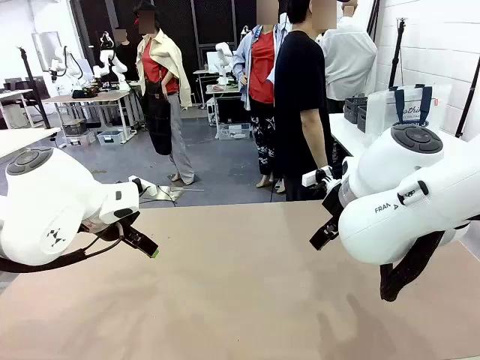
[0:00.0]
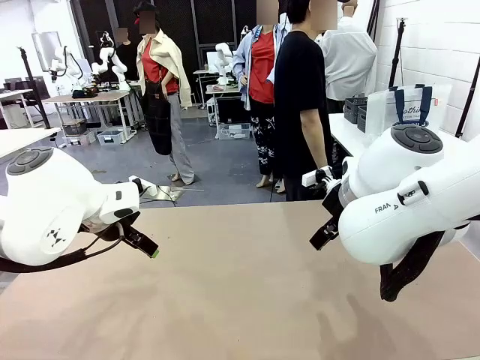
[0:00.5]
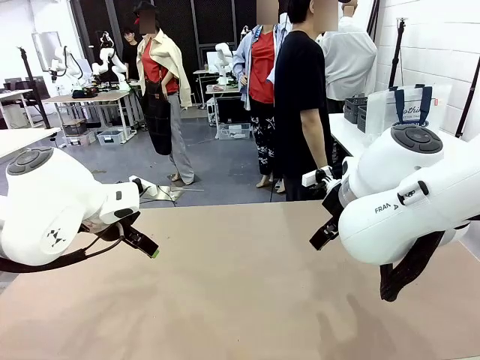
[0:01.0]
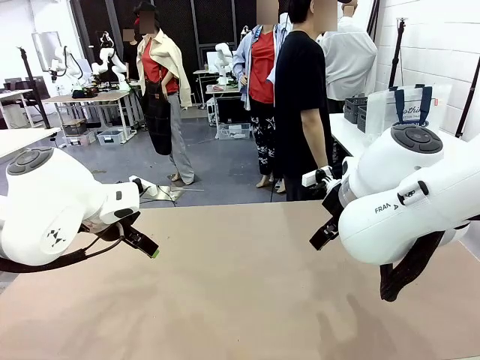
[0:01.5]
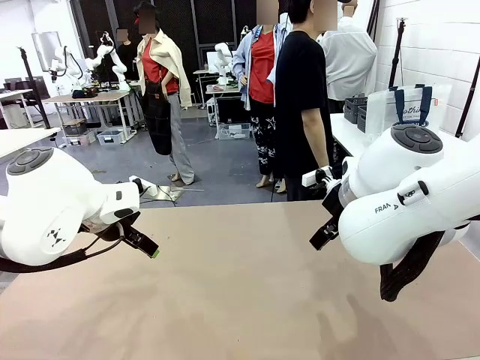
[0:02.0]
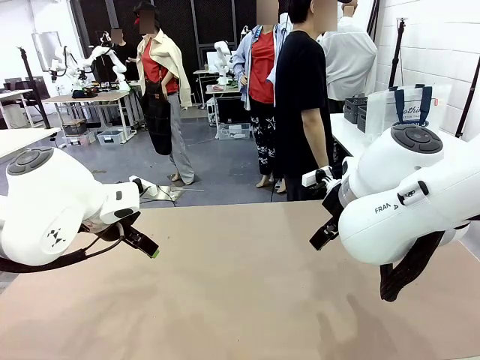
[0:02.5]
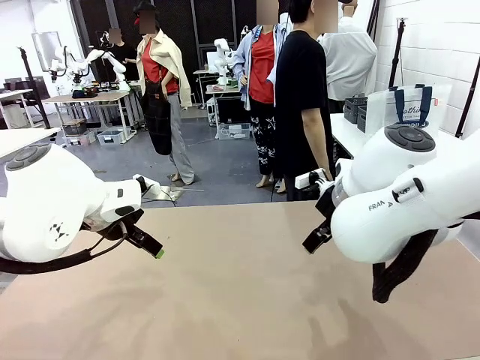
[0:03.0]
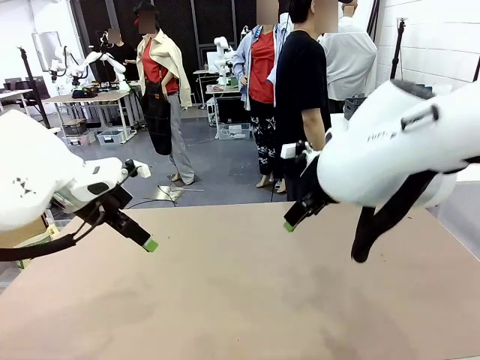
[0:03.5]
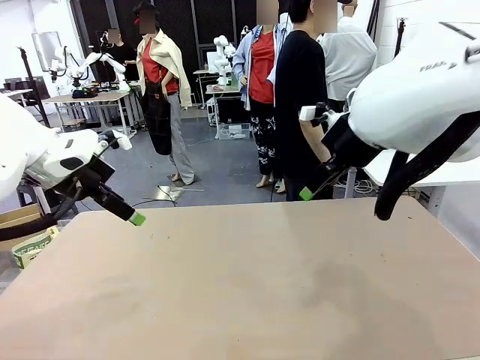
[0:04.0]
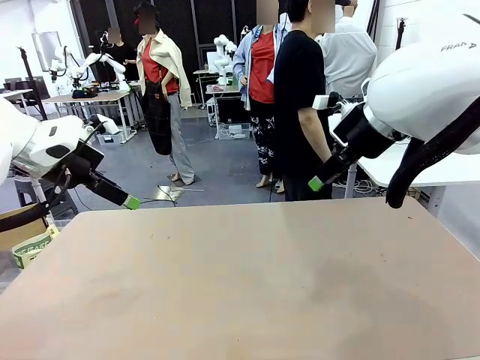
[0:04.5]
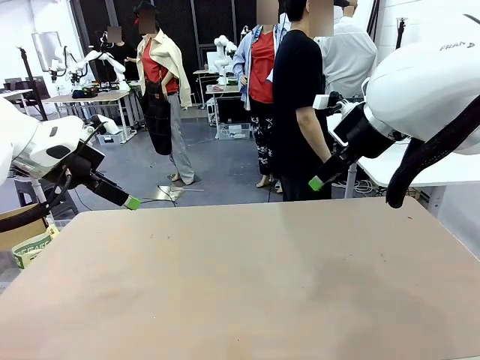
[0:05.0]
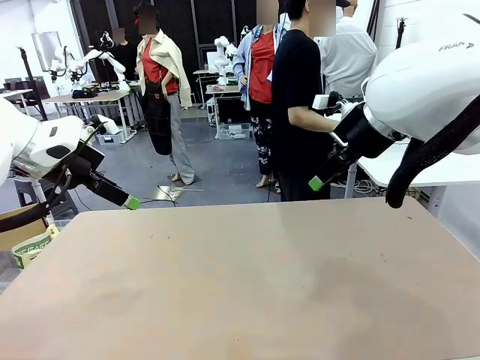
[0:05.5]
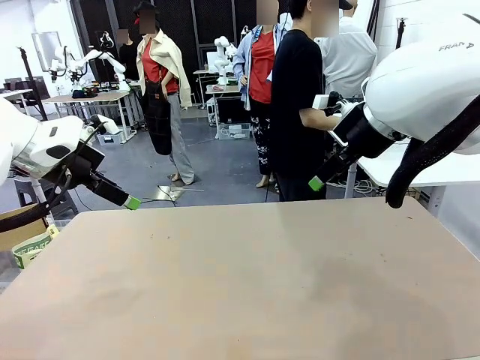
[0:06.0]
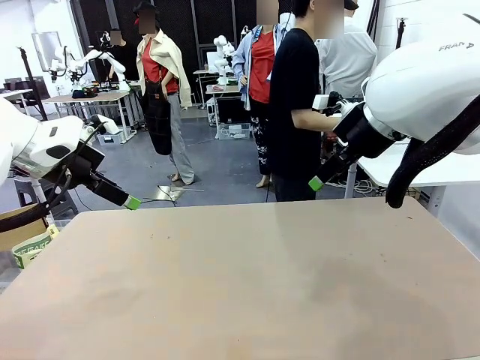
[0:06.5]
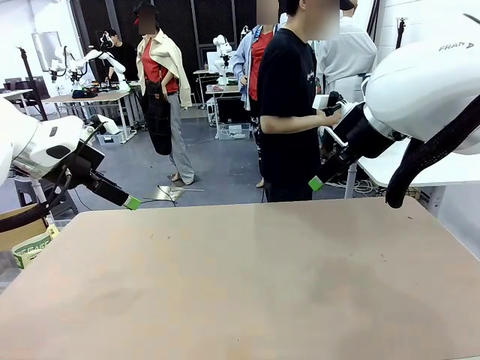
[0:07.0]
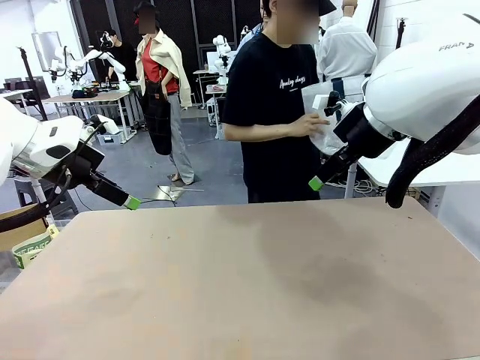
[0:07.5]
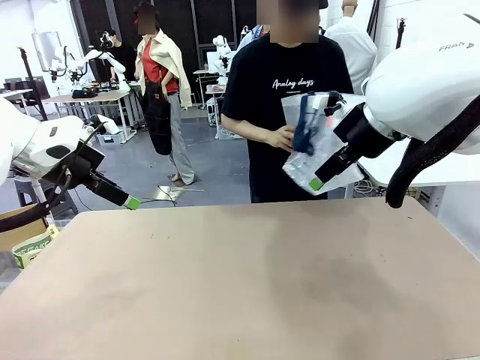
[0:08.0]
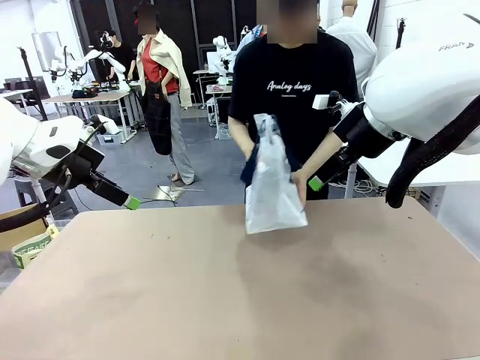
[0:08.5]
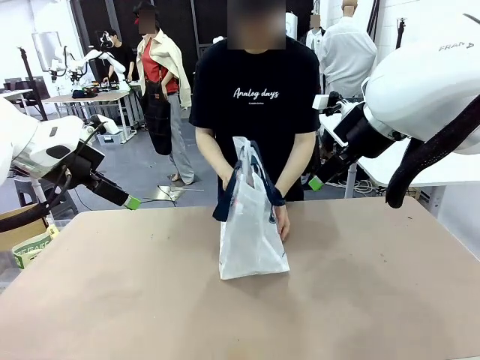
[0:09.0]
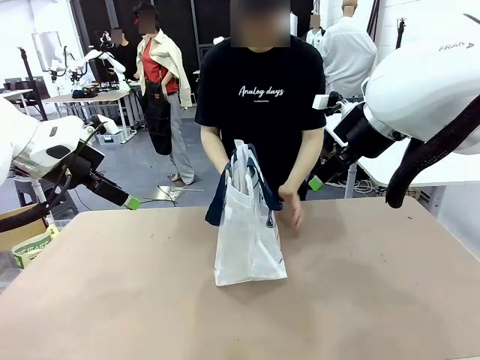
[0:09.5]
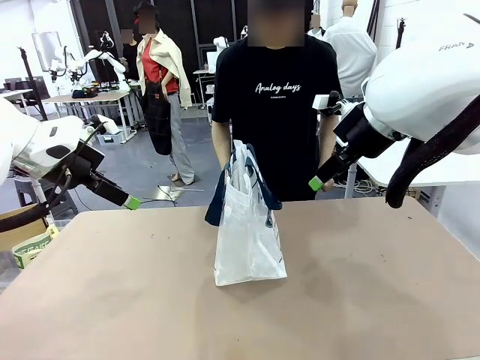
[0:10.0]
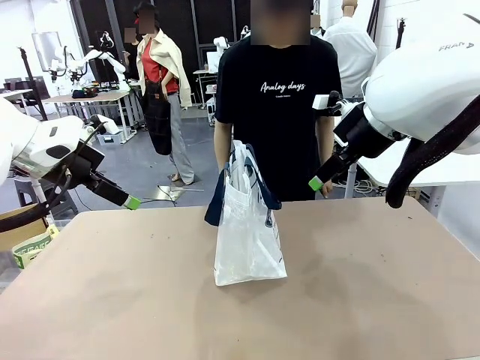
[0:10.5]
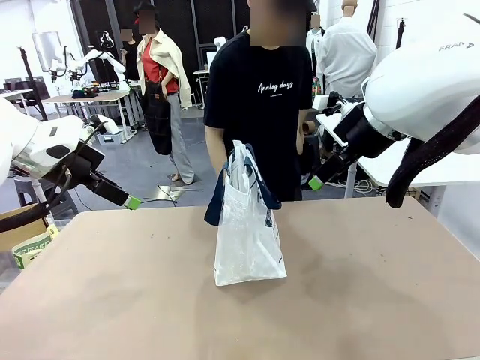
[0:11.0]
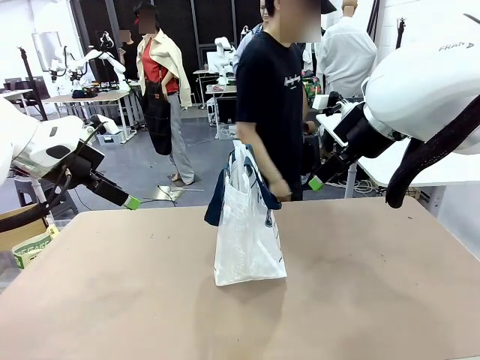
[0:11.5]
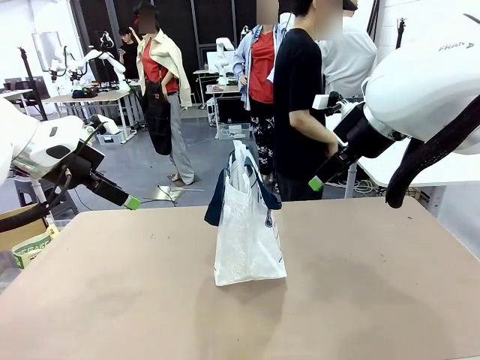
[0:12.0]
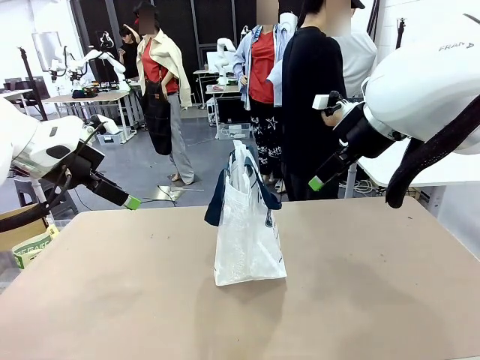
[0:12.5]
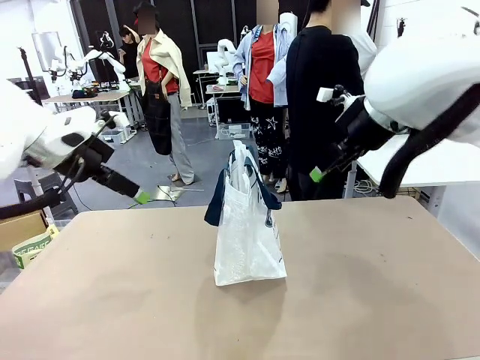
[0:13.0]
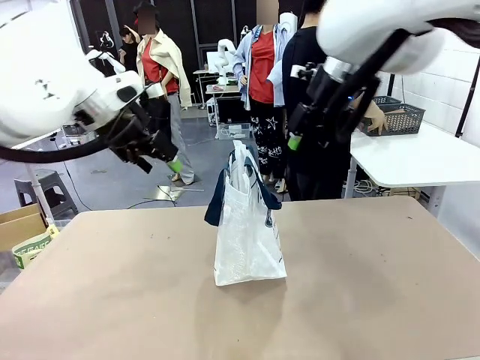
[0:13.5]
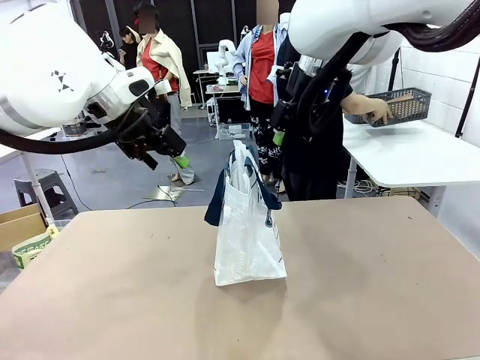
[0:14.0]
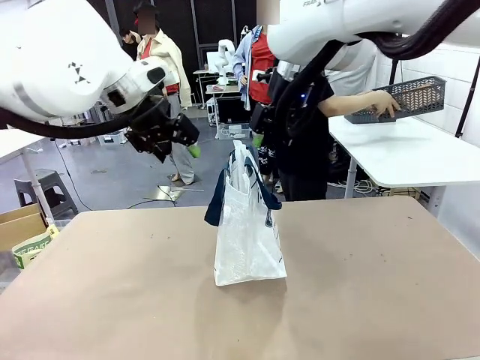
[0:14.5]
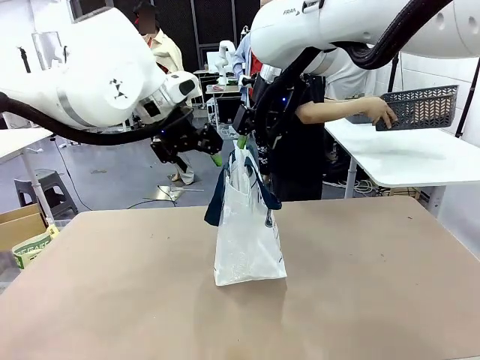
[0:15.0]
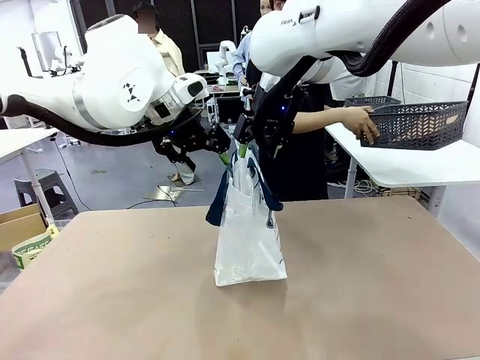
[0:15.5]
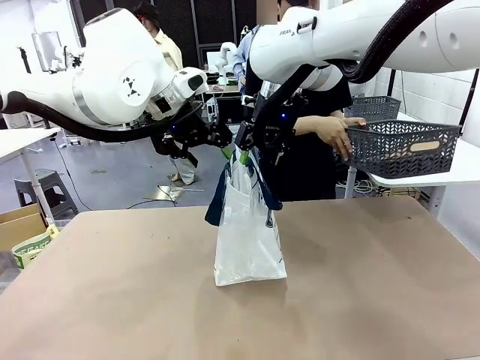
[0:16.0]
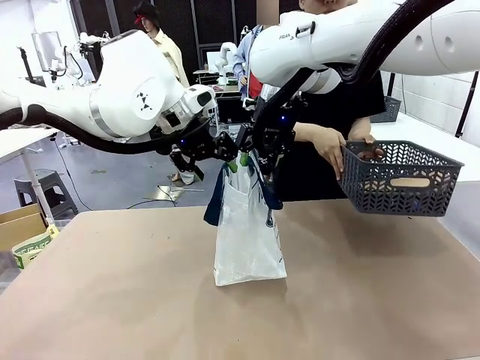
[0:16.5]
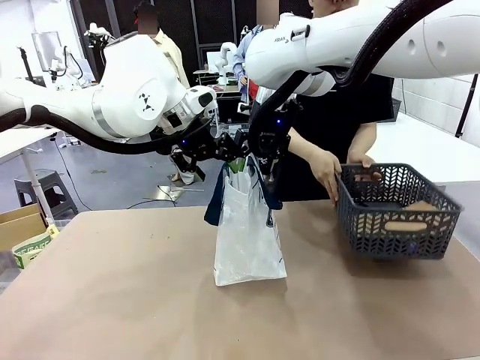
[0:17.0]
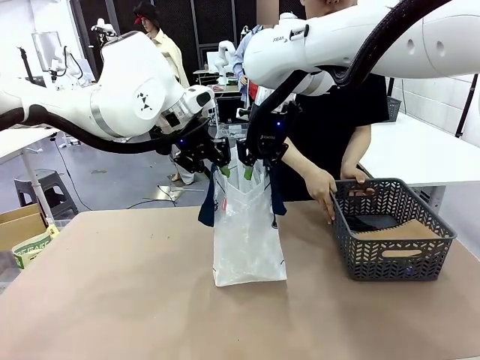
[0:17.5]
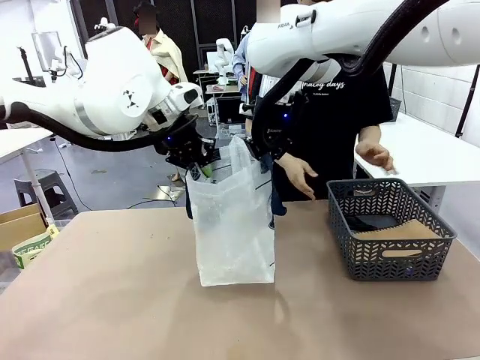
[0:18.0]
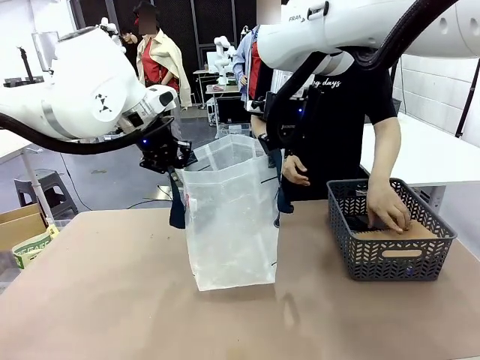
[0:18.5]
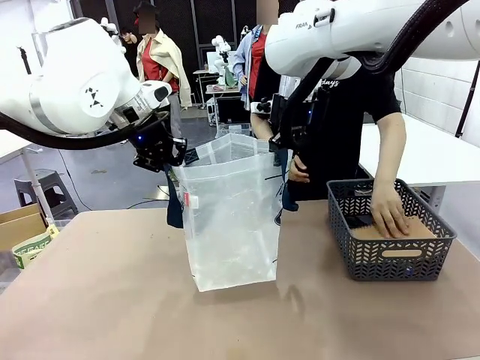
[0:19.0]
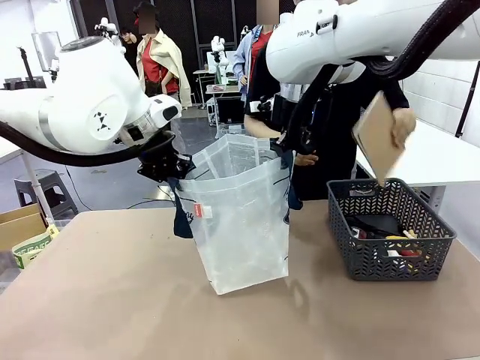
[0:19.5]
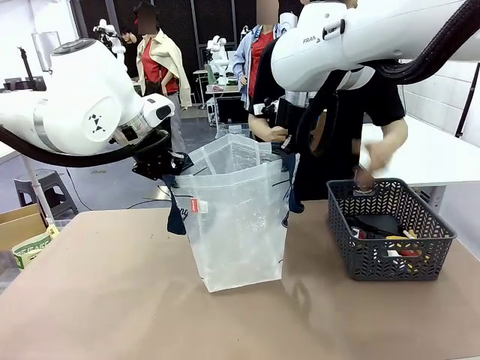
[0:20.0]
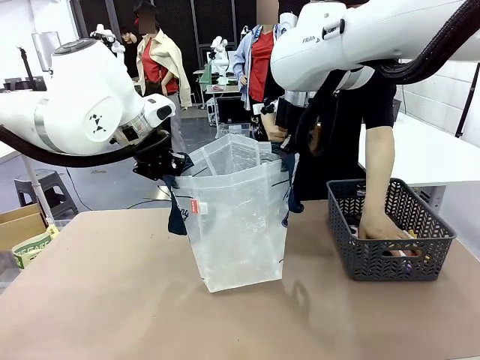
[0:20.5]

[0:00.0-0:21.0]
Task: Transfer purchased items from the store into the shopping bag.
Robot: Open the Reusable shopping bag in the center of the table.
Person: Pick up the shopping bag and place it in the middle of the robot table.
